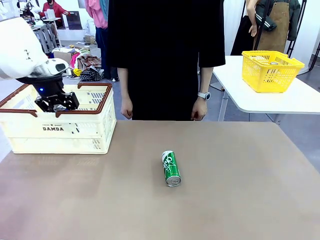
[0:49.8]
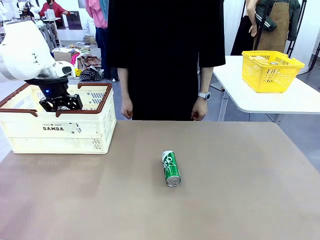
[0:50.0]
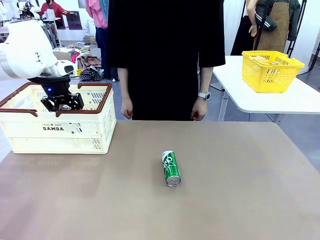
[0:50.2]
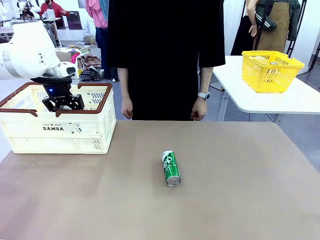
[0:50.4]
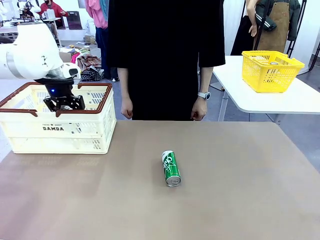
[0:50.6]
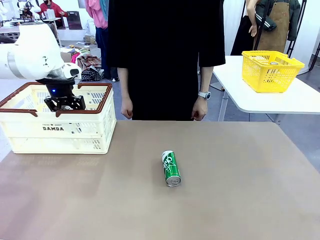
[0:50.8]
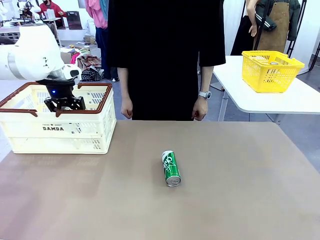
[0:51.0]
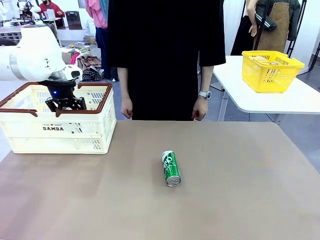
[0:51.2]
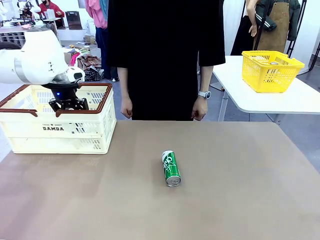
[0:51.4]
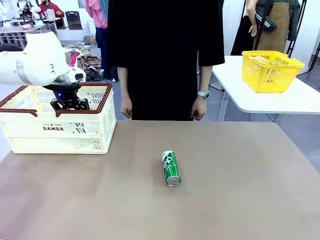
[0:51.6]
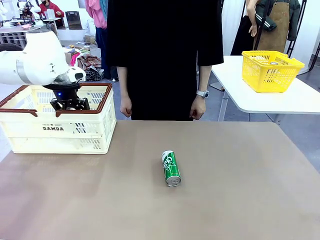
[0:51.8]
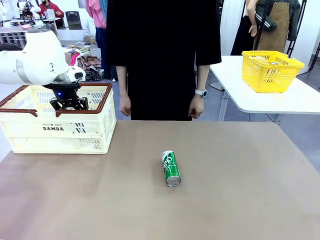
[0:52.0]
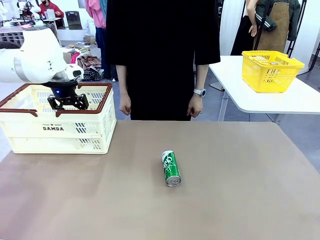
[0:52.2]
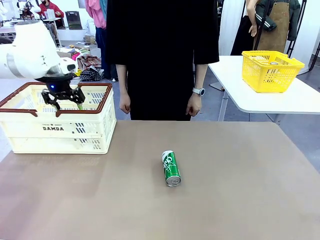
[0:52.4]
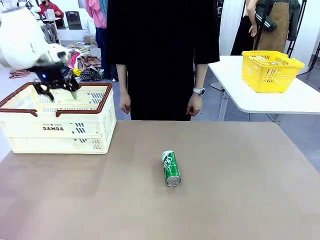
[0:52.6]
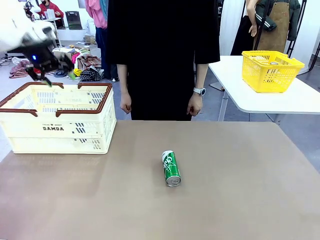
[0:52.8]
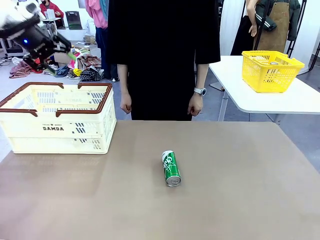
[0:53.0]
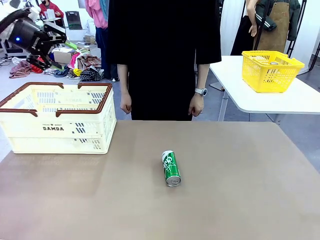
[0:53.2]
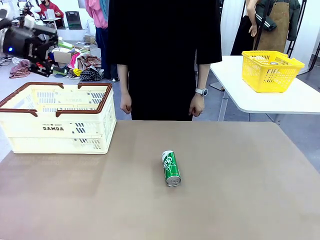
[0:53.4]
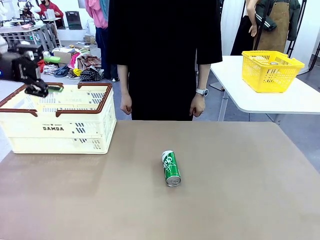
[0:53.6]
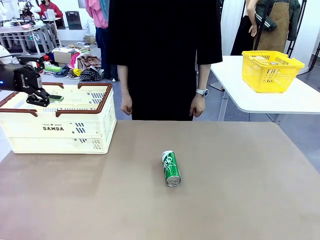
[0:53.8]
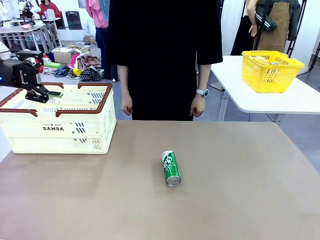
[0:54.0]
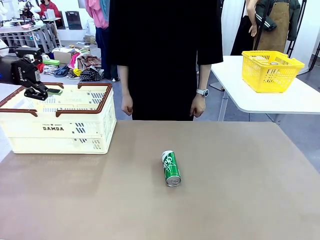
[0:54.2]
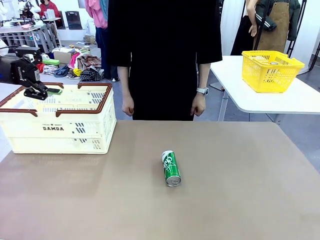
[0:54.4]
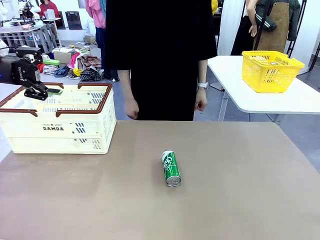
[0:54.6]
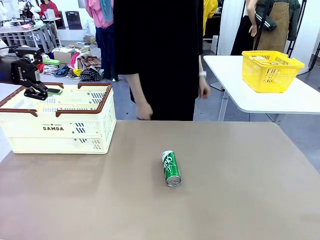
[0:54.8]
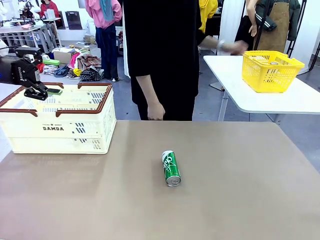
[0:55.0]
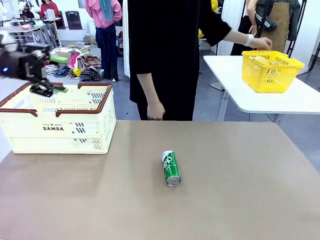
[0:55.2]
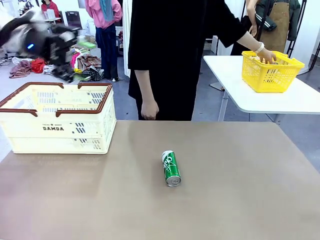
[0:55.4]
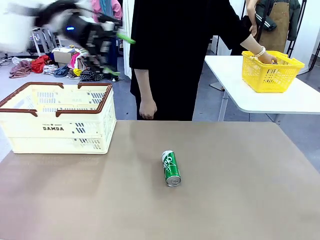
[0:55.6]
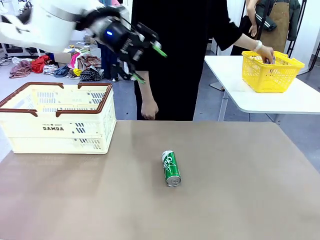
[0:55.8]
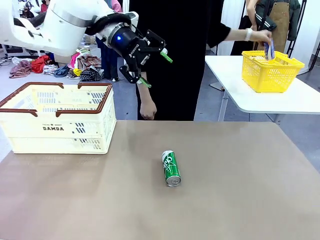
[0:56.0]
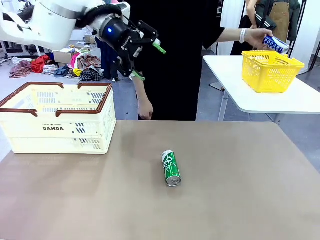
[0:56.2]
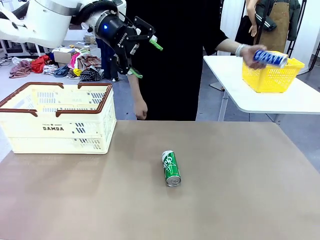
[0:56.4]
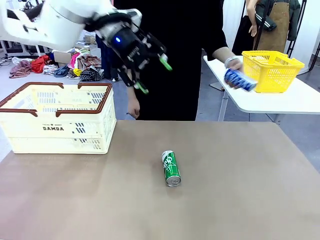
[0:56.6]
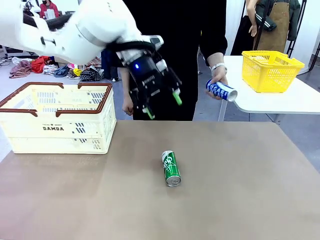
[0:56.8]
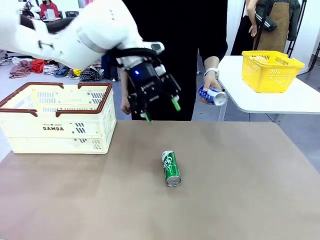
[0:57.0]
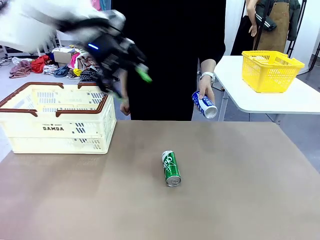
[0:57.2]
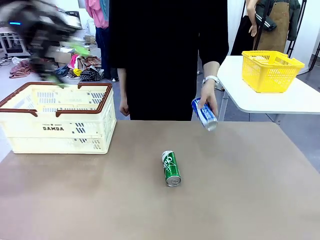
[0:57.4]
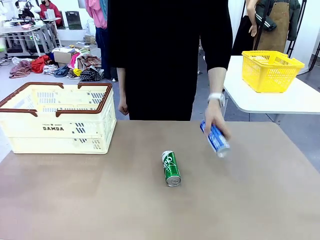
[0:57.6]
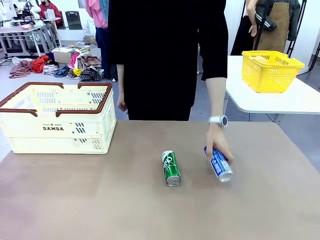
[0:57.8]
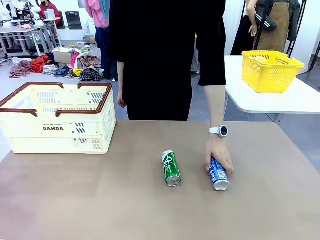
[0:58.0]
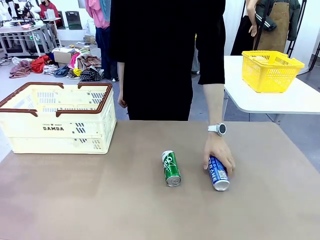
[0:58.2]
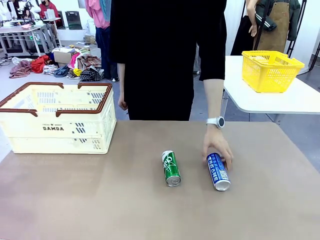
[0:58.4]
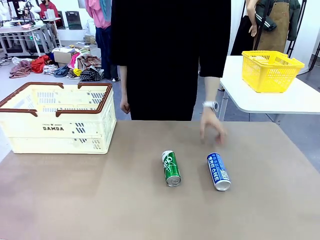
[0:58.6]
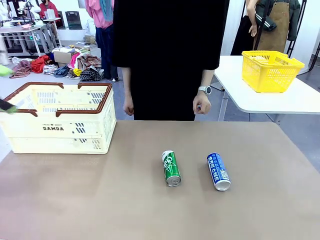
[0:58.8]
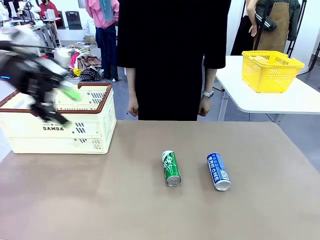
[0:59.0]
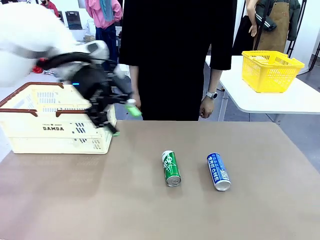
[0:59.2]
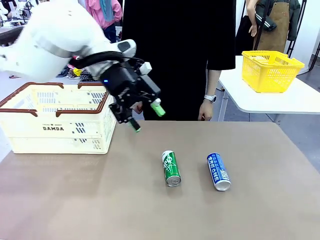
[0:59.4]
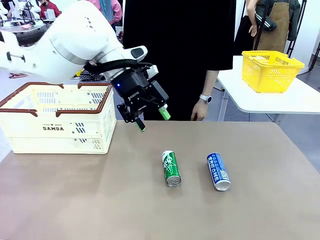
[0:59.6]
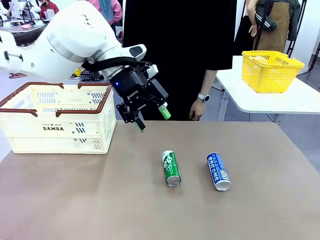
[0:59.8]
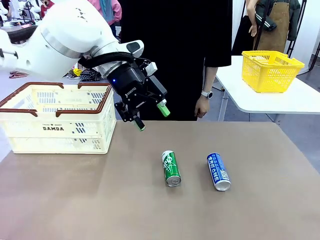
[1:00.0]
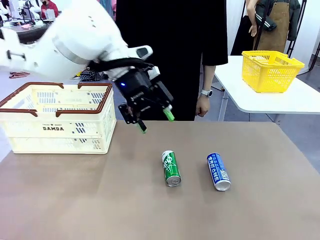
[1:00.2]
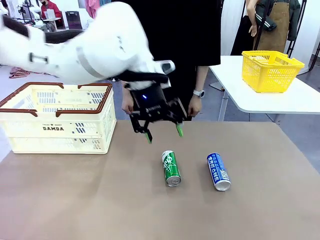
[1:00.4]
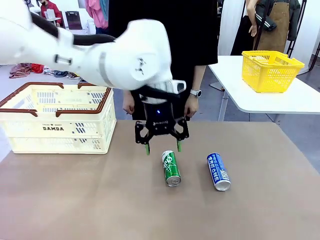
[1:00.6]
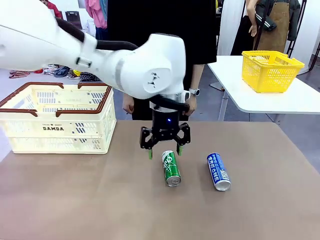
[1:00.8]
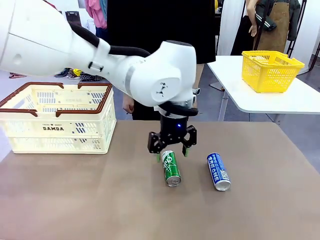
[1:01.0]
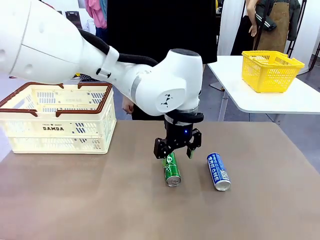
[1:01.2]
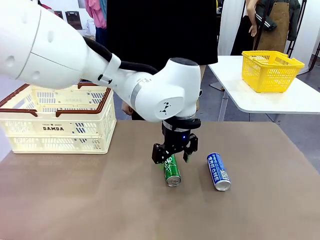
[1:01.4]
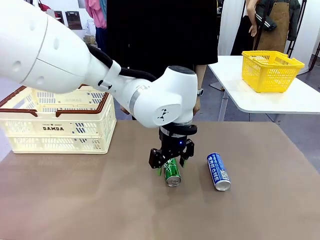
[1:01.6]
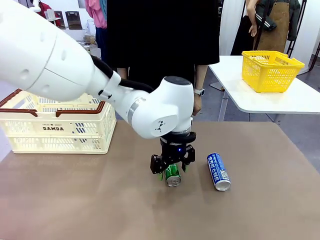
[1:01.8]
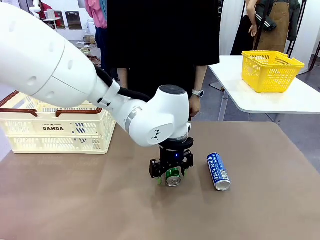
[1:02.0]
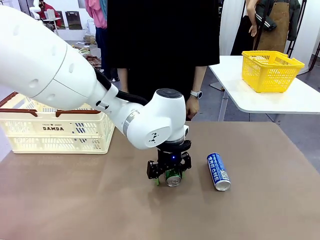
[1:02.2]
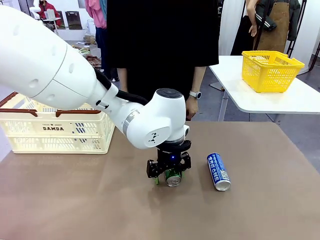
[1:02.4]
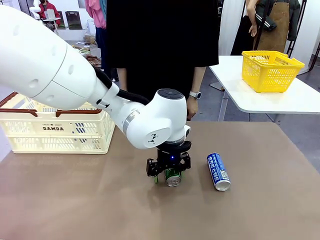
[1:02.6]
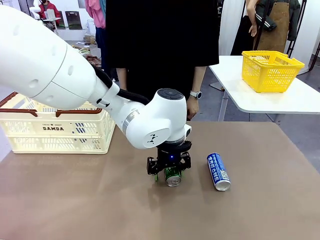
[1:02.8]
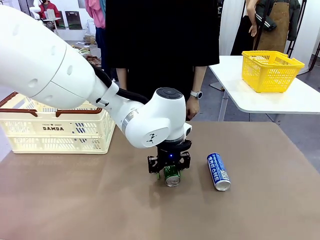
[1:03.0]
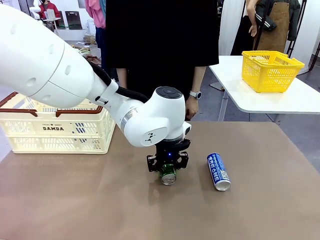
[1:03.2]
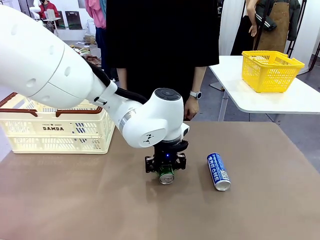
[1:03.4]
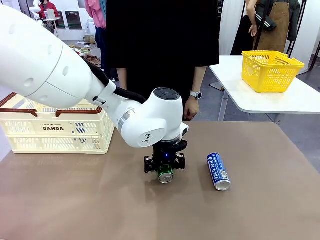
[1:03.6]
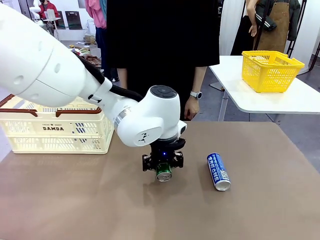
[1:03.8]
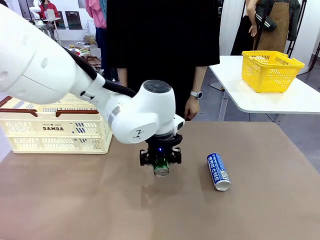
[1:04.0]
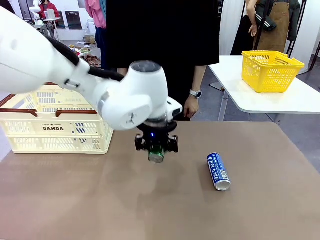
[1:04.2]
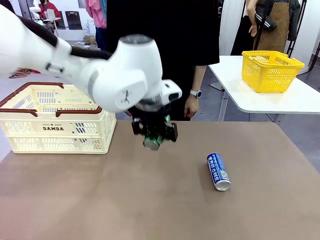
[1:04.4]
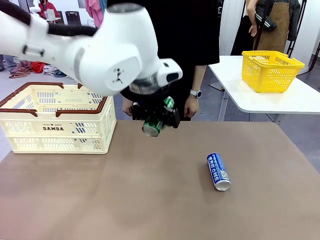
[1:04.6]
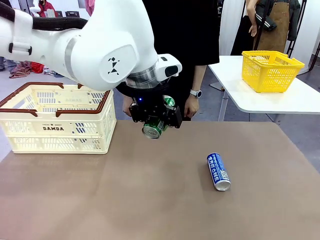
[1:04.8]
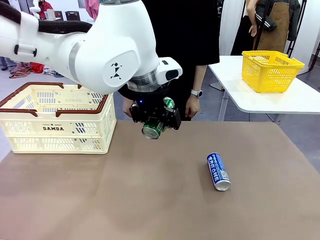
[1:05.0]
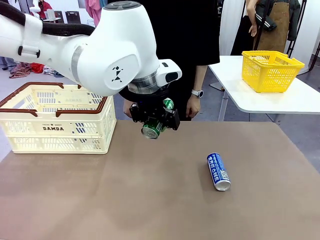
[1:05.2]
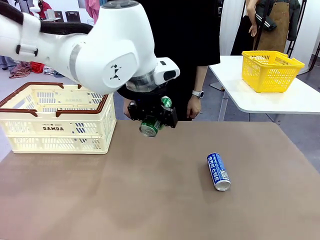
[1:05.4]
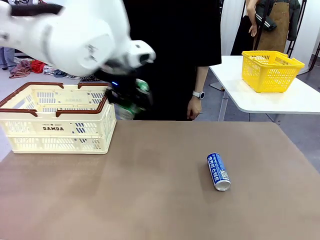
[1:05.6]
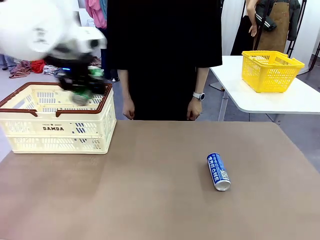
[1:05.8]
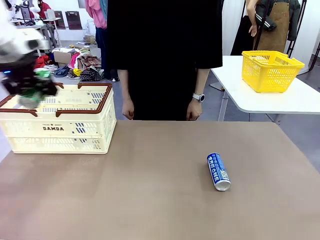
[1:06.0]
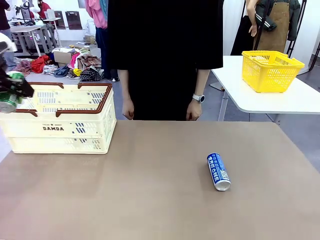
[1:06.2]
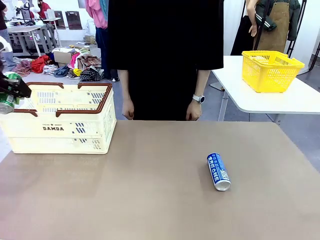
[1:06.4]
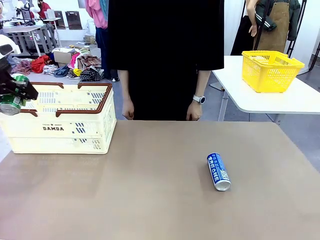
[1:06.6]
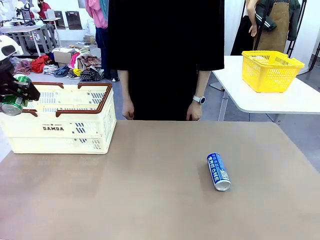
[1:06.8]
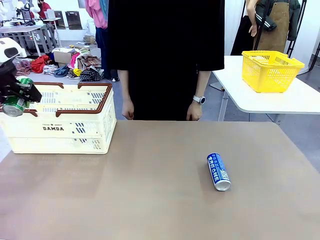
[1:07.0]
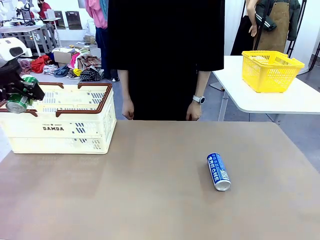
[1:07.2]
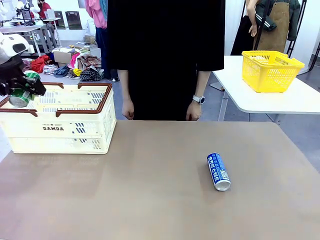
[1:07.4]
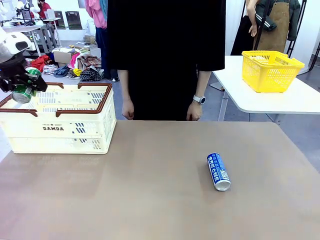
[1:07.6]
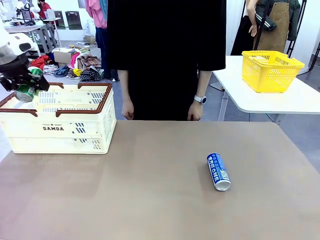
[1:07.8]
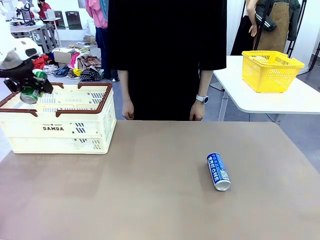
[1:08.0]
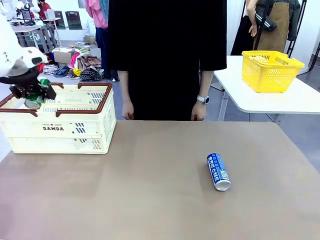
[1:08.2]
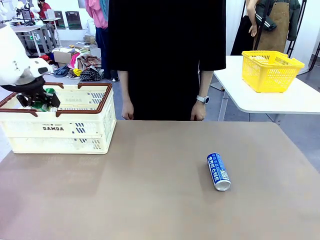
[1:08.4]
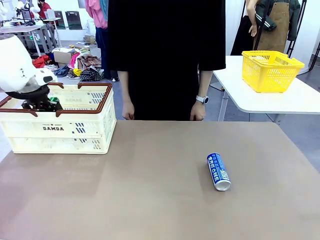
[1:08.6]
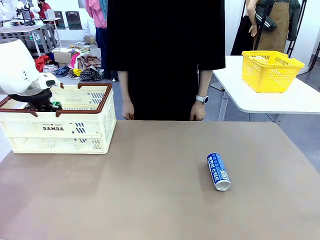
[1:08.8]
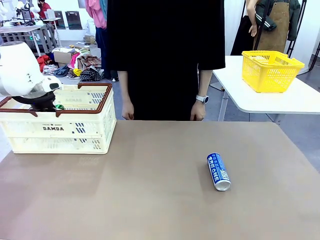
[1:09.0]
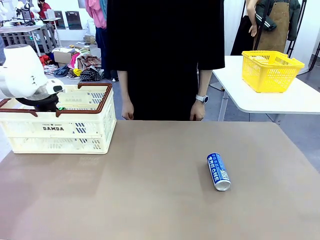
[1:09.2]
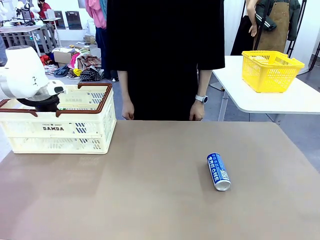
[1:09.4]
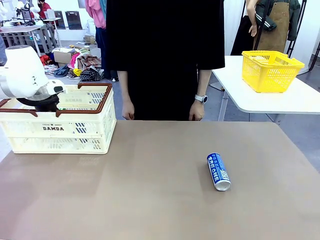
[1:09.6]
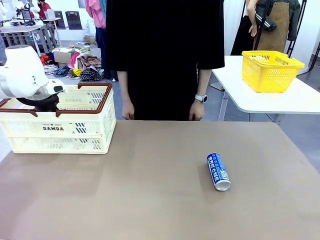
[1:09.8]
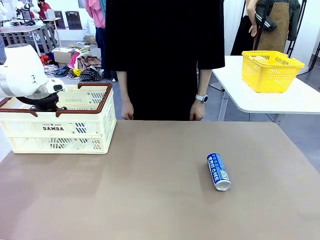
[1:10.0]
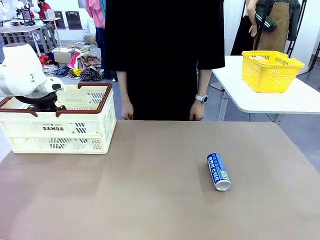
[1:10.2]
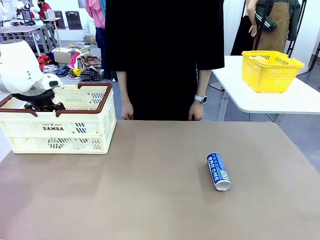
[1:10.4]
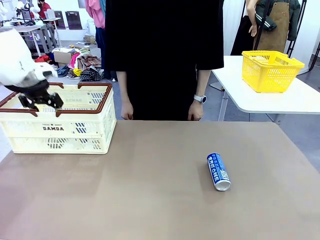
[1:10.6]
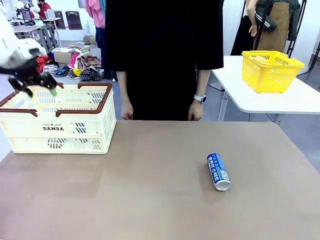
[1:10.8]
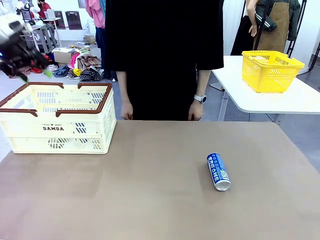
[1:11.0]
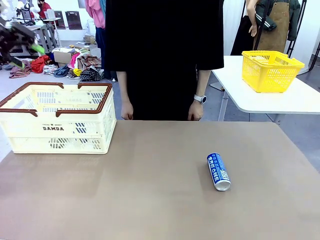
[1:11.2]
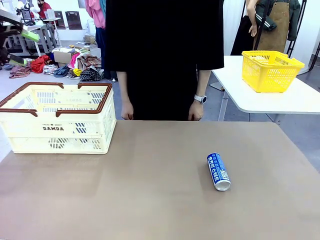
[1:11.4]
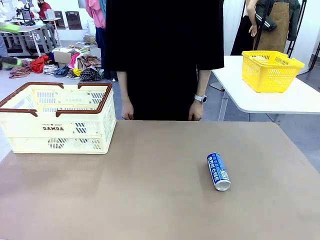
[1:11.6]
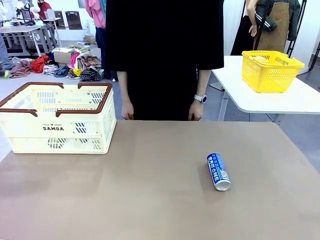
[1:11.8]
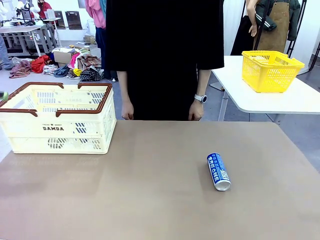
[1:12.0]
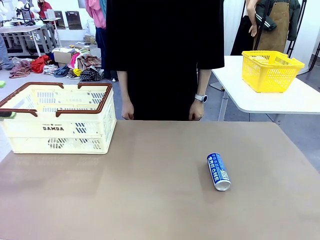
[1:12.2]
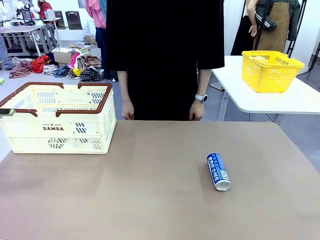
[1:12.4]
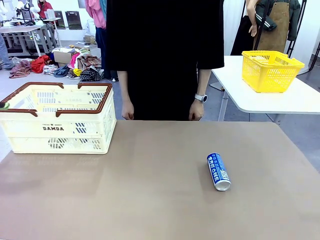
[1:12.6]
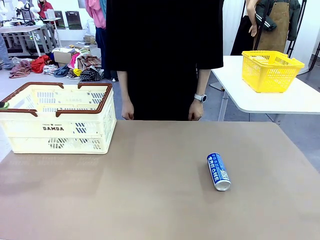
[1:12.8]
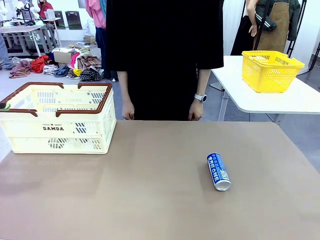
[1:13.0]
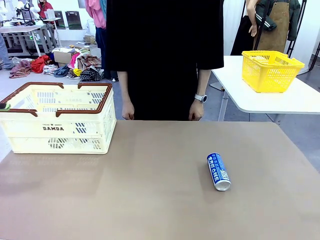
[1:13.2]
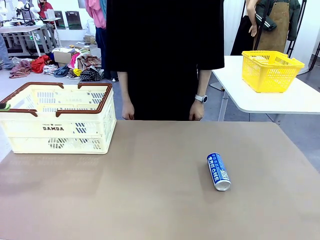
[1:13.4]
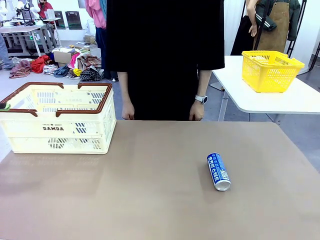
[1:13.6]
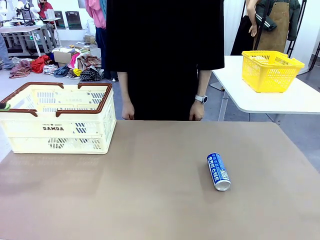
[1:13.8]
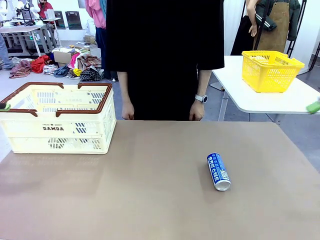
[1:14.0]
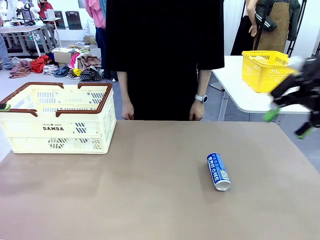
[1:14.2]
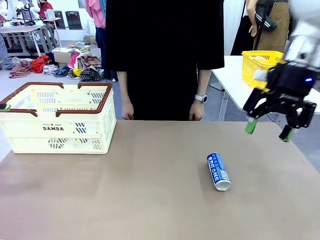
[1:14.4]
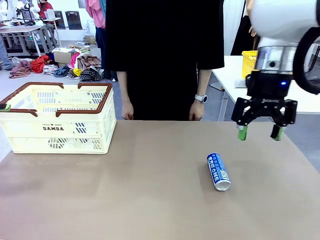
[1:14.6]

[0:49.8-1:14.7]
Task: Place the drinks into the Shopping basket.
Robot: Pick up one drink and place it into the Shopping basket.
